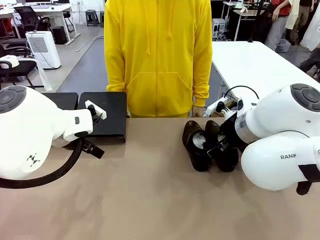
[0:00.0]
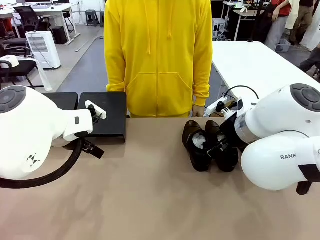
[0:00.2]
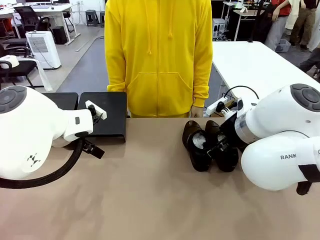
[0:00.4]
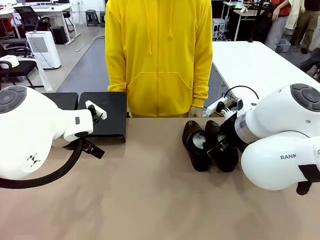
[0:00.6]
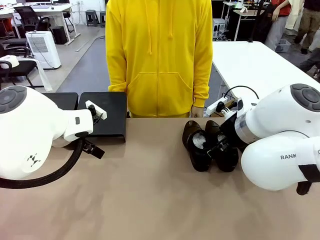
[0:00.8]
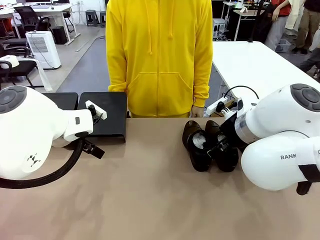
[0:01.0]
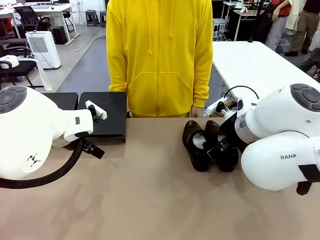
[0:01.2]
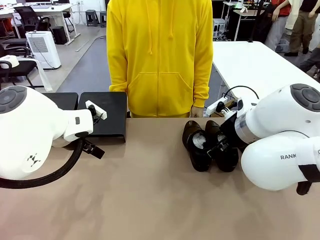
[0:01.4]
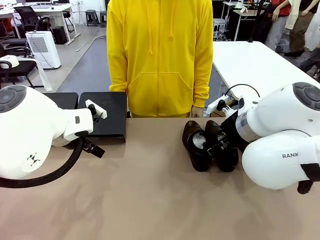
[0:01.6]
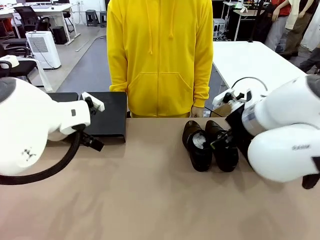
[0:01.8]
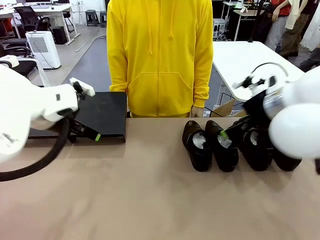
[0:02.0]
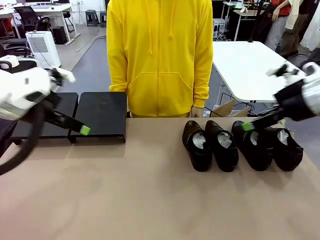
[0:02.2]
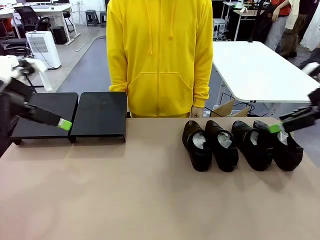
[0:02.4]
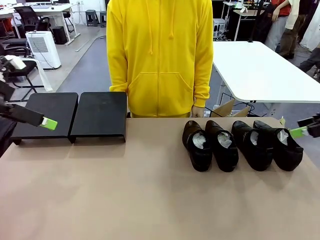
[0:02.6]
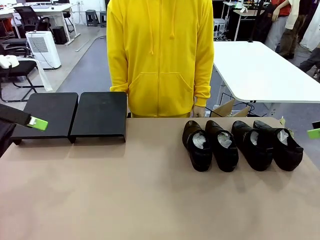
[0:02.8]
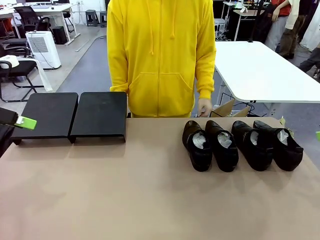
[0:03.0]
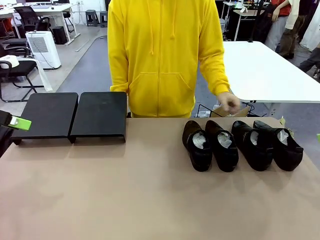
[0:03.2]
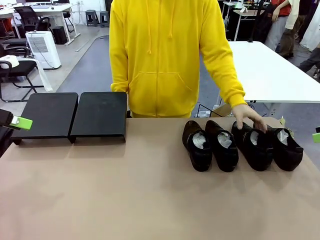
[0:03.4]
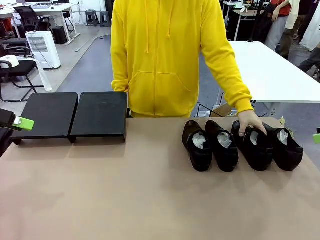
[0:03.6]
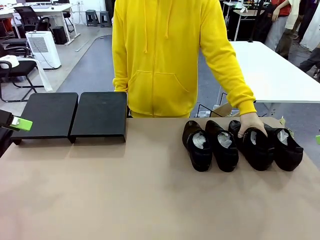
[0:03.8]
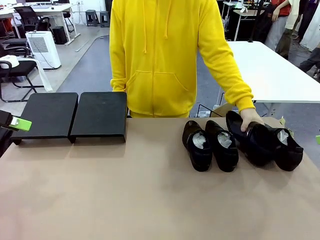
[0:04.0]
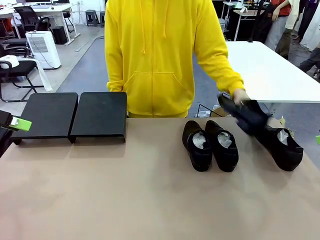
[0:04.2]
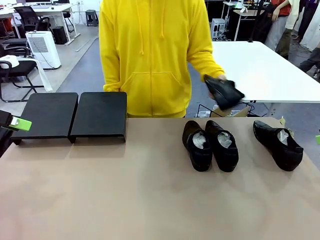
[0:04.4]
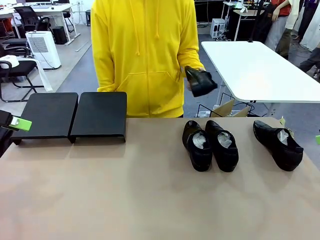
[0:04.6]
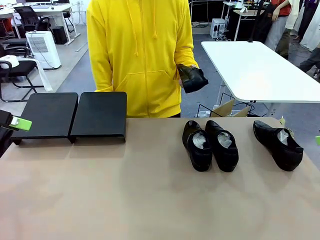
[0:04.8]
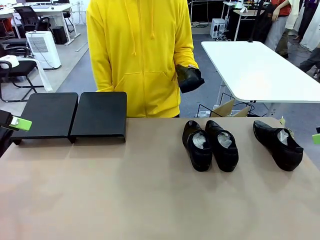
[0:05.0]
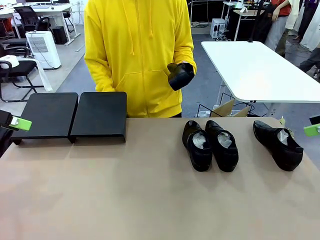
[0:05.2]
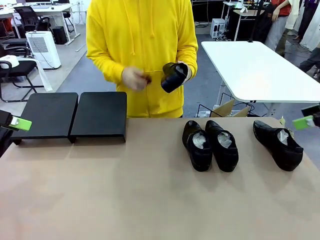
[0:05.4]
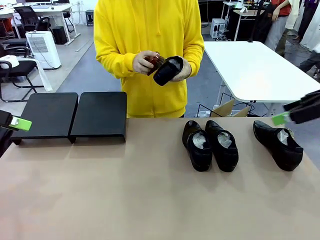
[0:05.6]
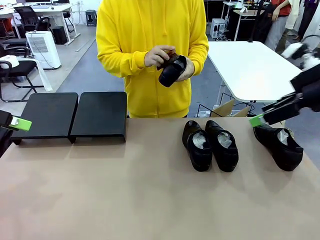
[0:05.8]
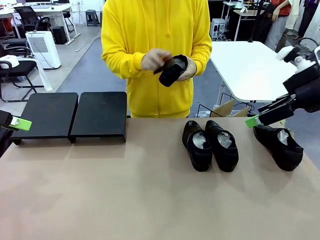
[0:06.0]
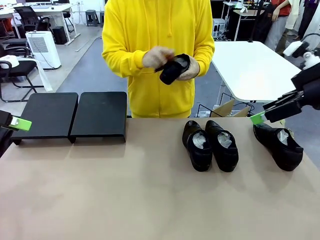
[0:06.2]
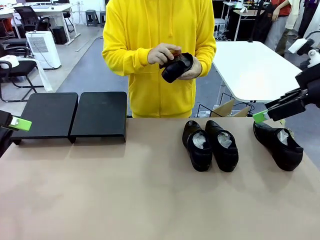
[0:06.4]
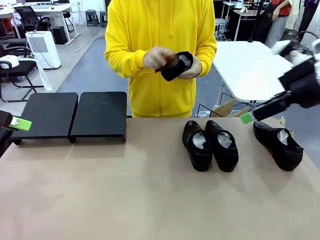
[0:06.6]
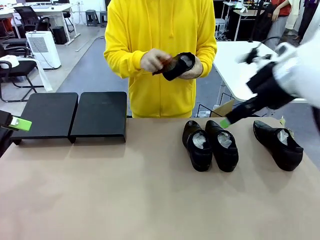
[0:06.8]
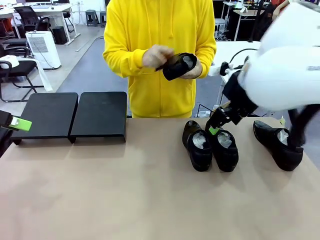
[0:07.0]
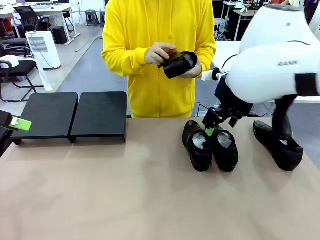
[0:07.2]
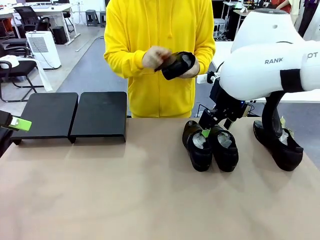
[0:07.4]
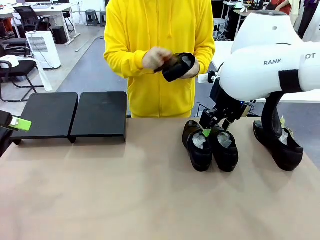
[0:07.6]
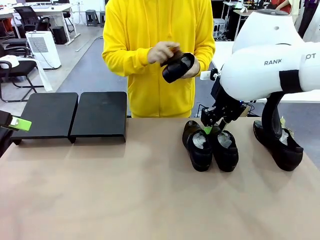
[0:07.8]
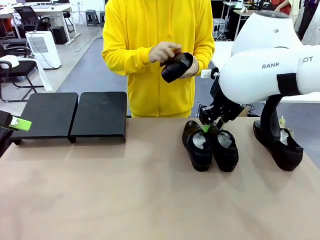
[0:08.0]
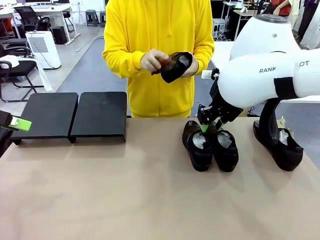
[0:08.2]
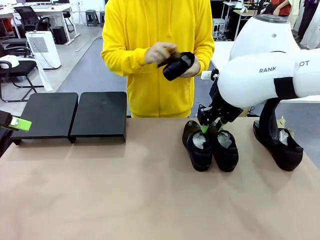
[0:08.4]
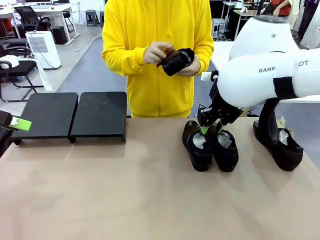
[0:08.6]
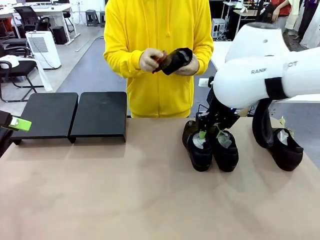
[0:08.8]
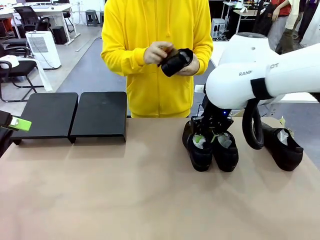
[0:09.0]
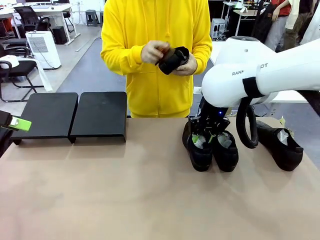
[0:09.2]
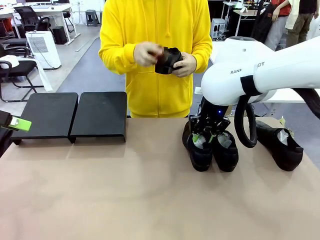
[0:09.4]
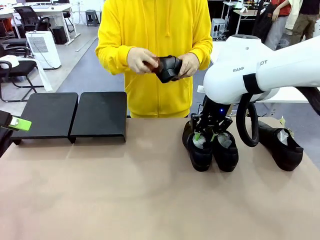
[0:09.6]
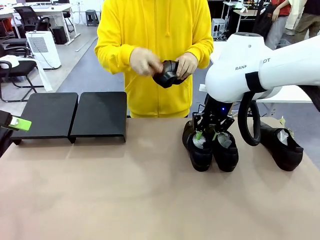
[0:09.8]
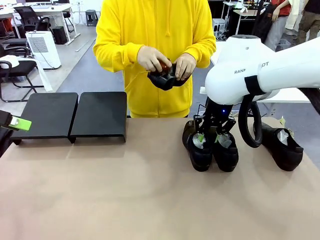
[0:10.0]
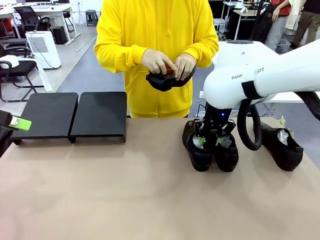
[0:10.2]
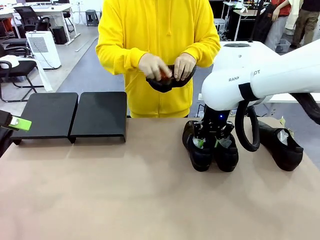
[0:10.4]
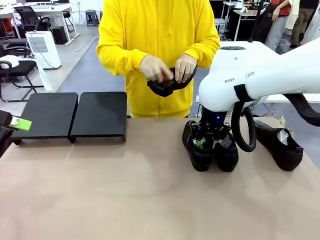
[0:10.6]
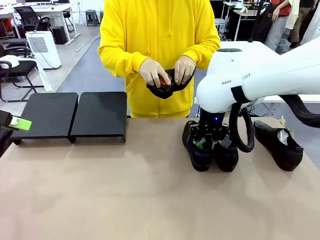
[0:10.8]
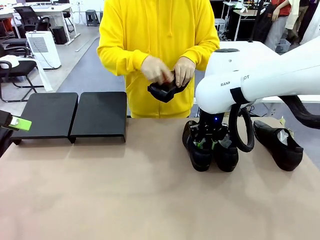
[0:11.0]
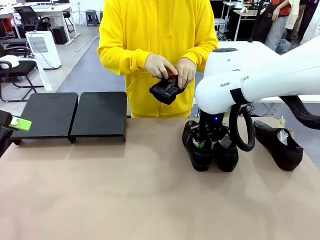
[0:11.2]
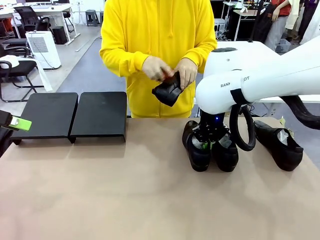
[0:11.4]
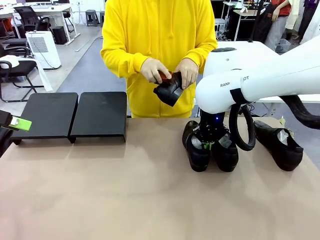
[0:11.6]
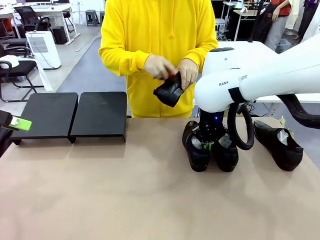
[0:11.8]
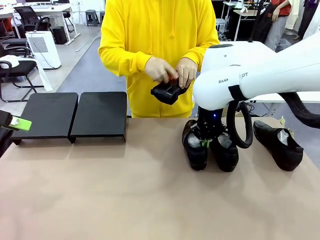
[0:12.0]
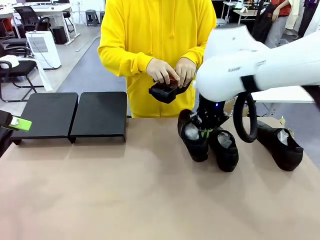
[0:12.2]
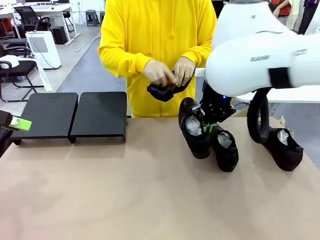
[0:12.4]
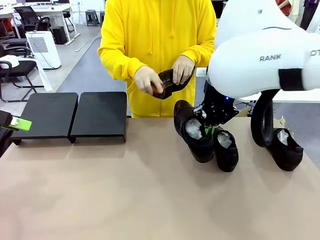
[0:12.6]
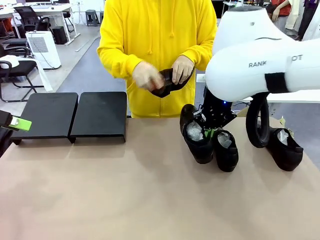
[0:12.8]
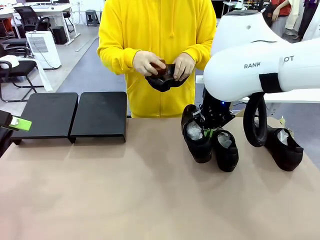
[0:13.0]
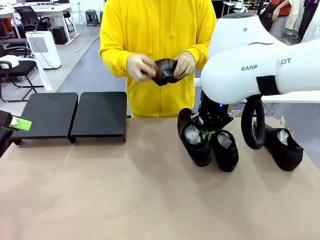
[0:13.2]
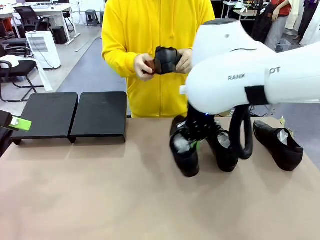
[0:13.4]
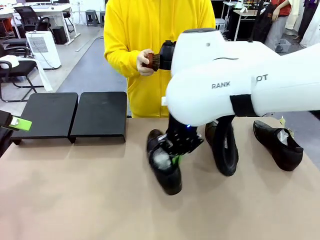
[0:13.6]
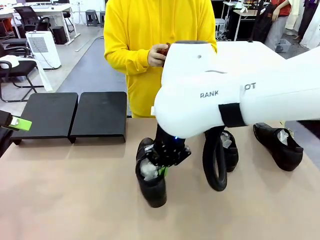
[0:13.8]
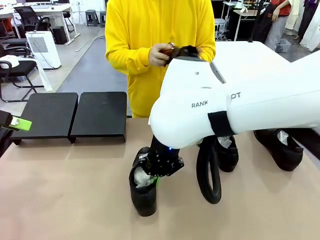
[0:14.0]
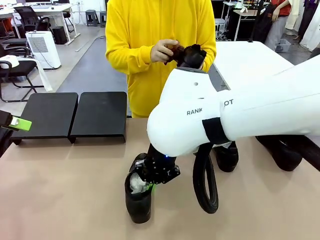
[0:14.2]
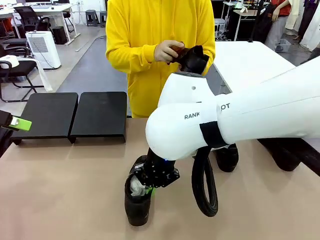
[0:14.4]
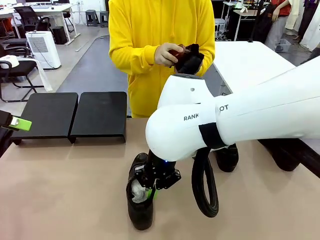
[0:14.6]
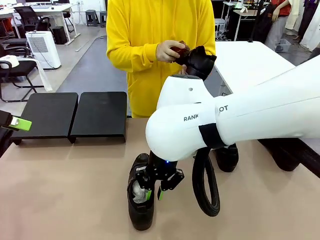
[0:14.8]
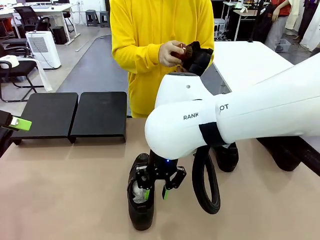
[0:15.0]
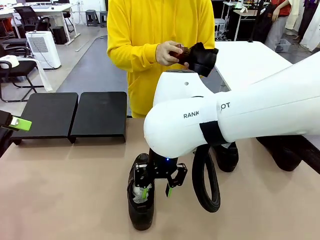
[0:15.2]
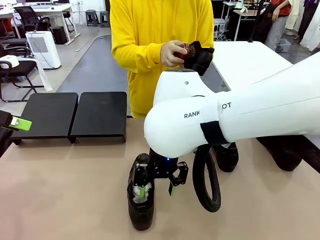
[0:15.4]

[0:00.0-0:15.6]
Task: Organize the shoes by placing them on the stand.
Robot: Pick up one Shoe and place it in the middle of the table.
Person: Pick one Shoe on Robot's table. Clean the Shoe with the Shoe Brush.
